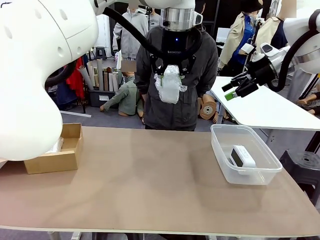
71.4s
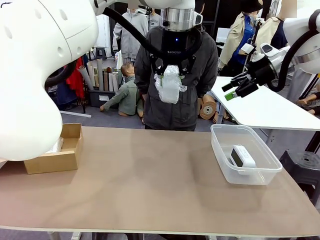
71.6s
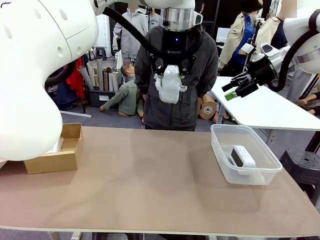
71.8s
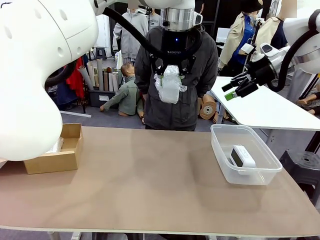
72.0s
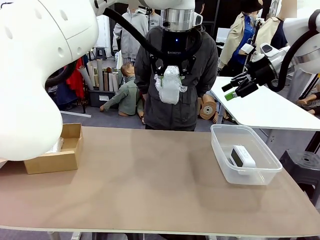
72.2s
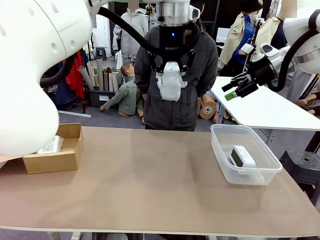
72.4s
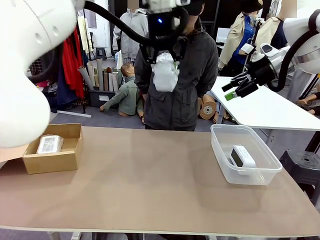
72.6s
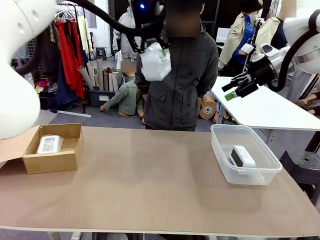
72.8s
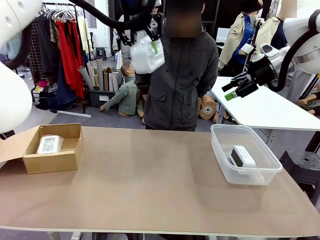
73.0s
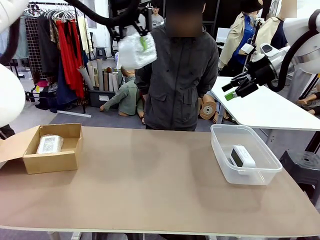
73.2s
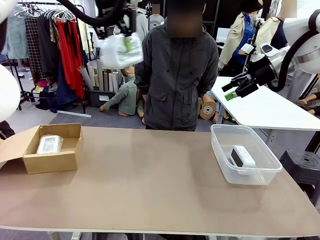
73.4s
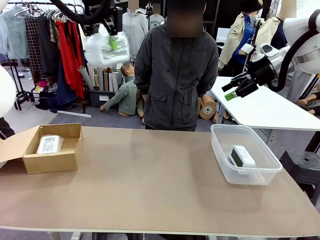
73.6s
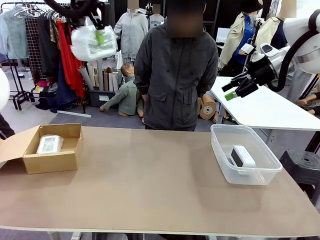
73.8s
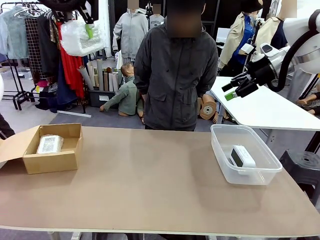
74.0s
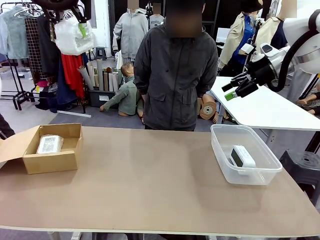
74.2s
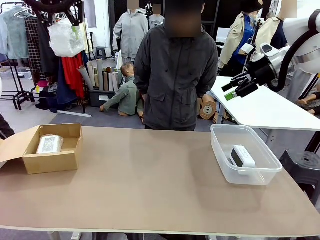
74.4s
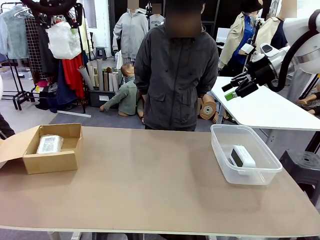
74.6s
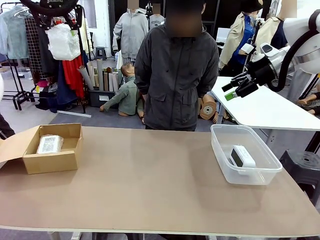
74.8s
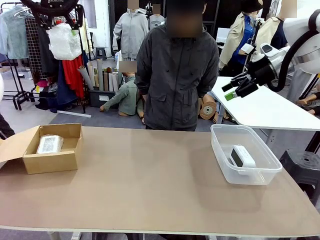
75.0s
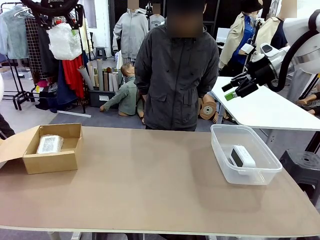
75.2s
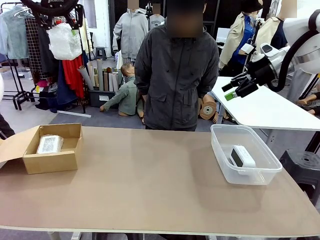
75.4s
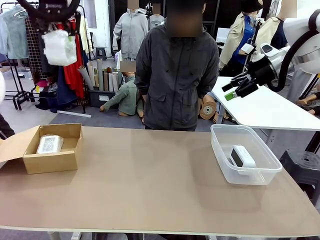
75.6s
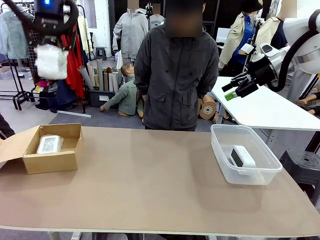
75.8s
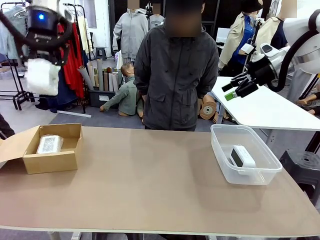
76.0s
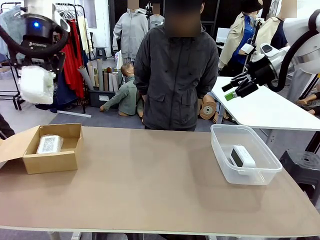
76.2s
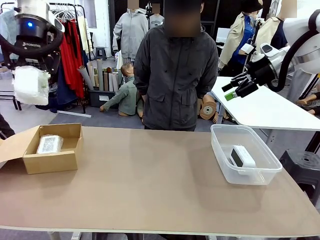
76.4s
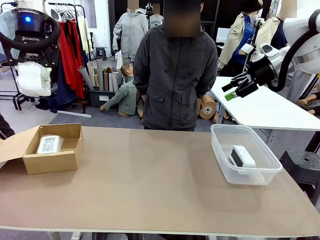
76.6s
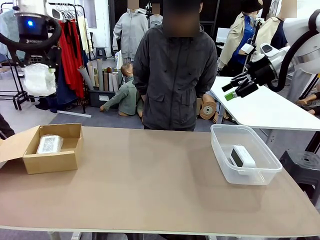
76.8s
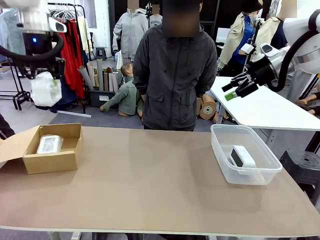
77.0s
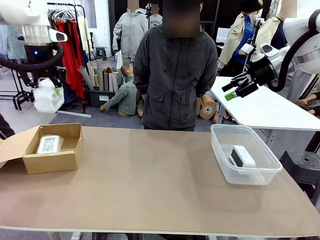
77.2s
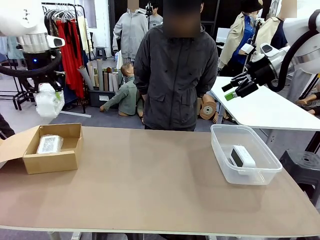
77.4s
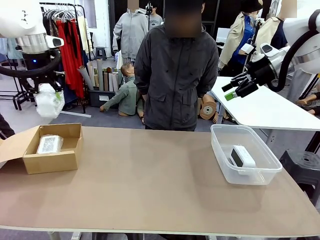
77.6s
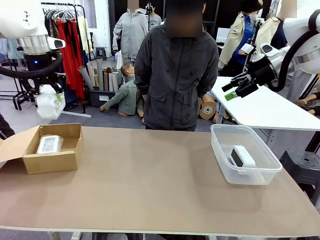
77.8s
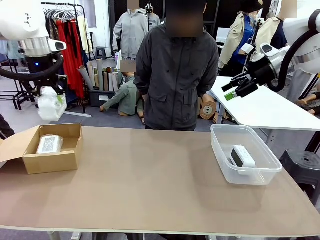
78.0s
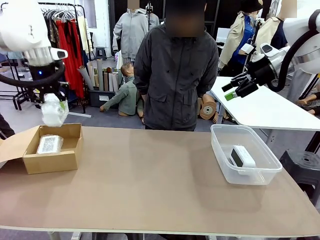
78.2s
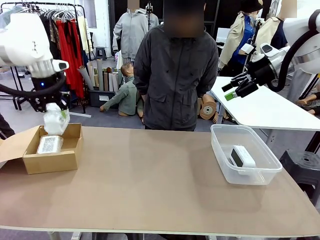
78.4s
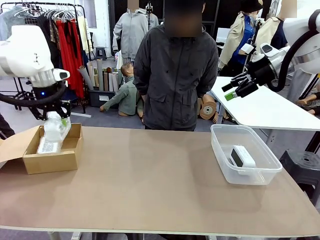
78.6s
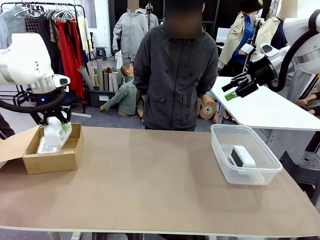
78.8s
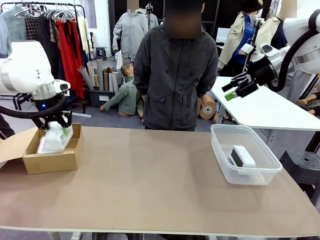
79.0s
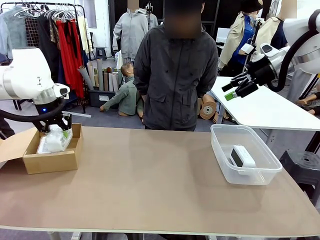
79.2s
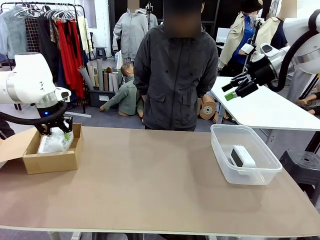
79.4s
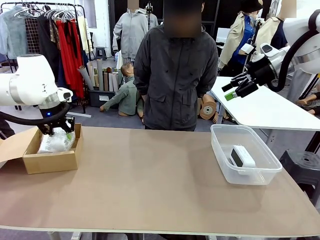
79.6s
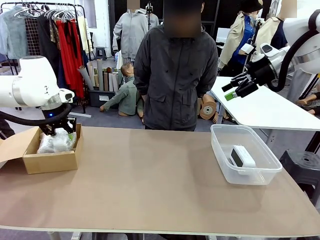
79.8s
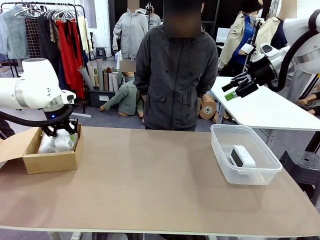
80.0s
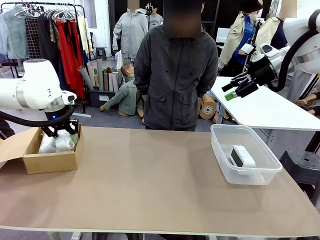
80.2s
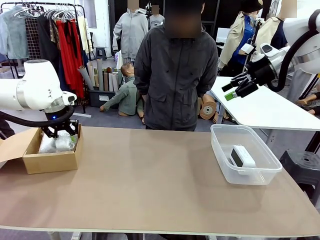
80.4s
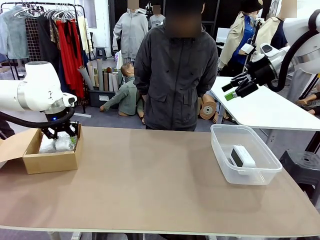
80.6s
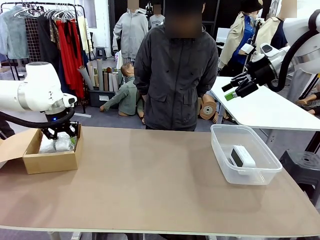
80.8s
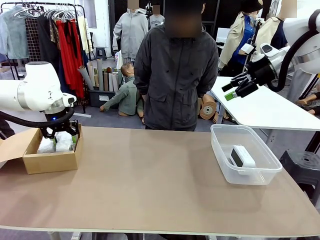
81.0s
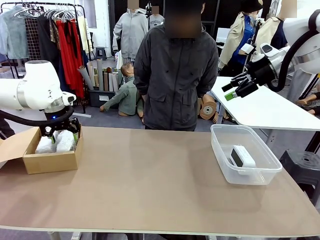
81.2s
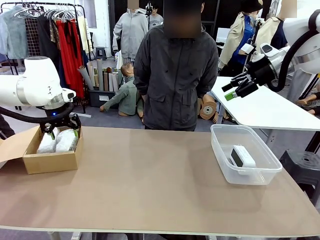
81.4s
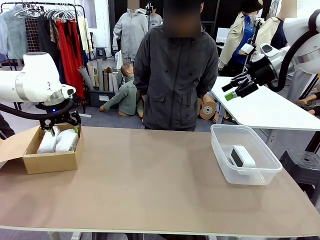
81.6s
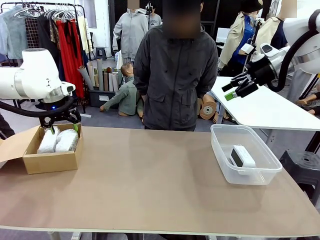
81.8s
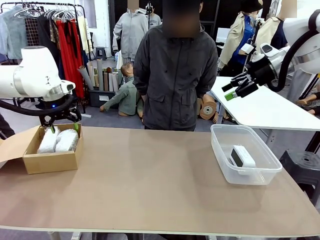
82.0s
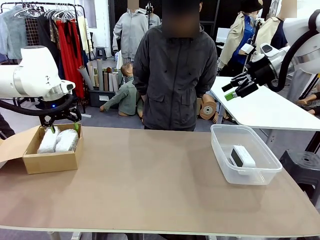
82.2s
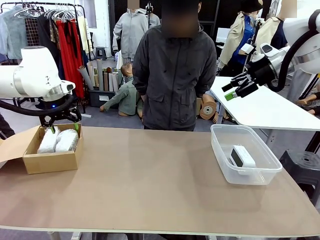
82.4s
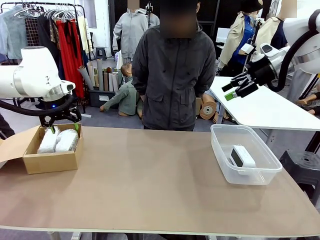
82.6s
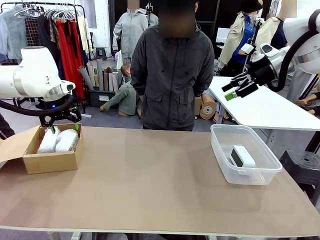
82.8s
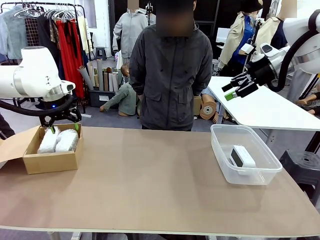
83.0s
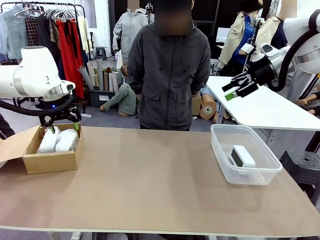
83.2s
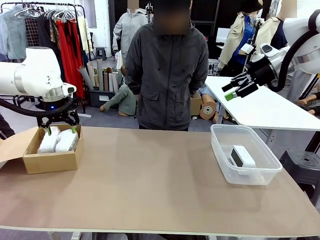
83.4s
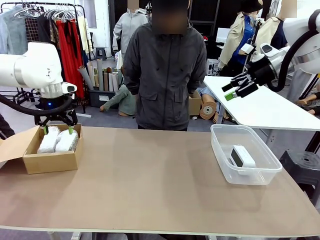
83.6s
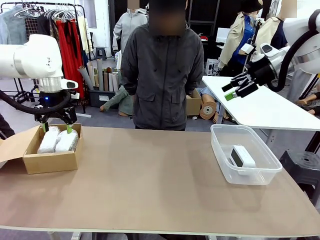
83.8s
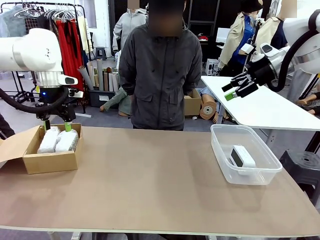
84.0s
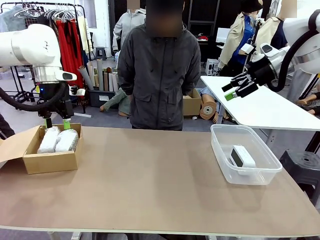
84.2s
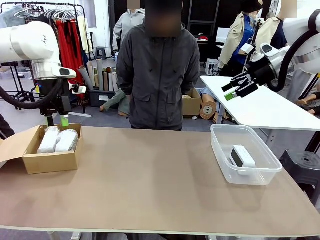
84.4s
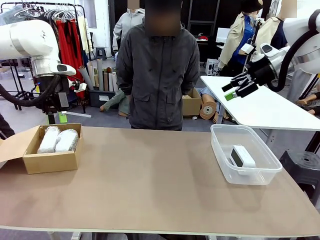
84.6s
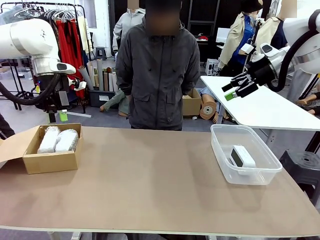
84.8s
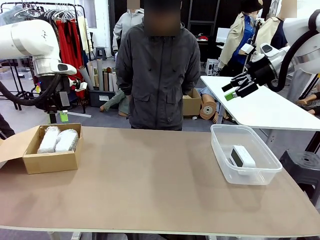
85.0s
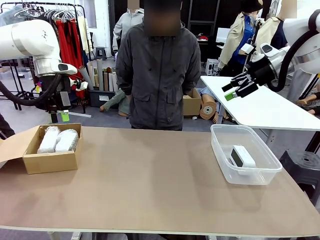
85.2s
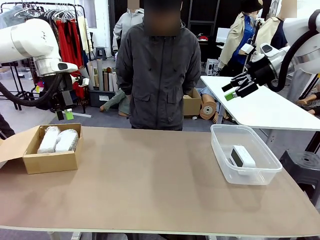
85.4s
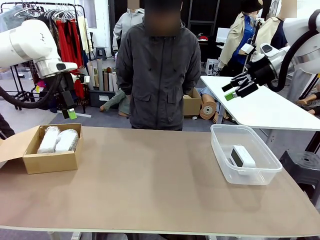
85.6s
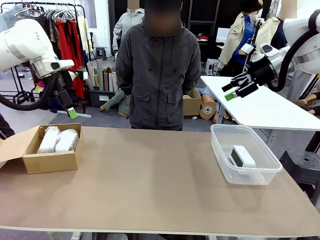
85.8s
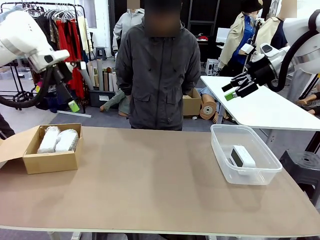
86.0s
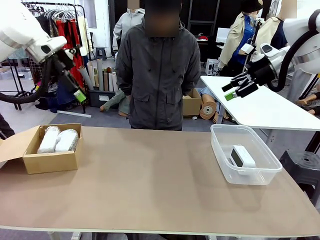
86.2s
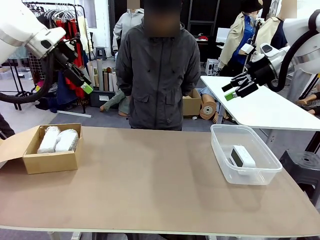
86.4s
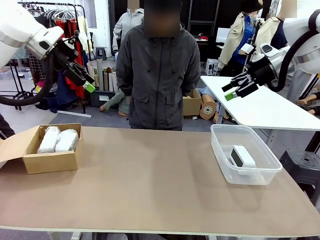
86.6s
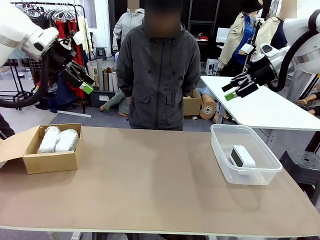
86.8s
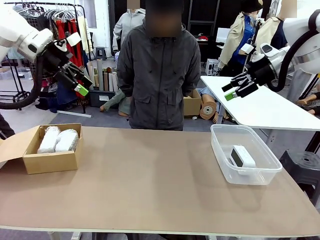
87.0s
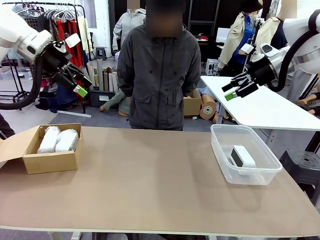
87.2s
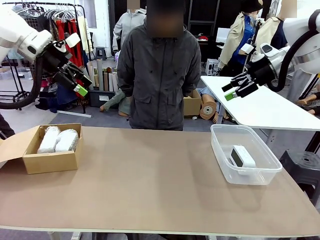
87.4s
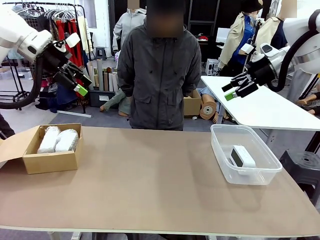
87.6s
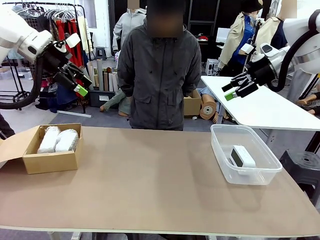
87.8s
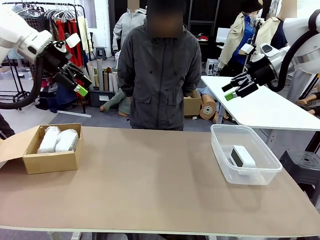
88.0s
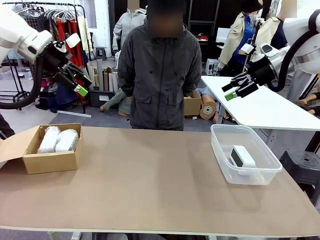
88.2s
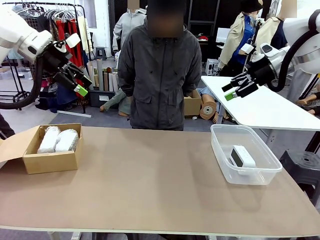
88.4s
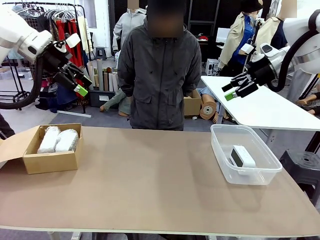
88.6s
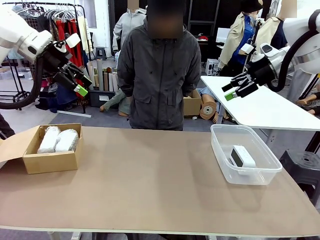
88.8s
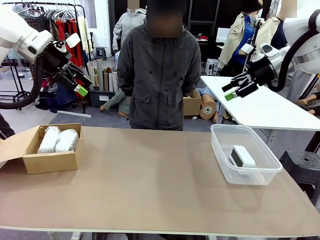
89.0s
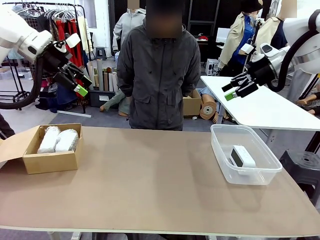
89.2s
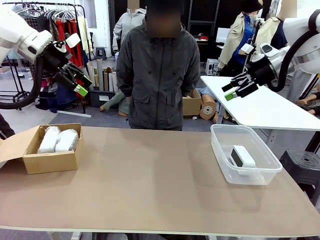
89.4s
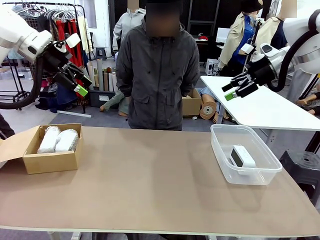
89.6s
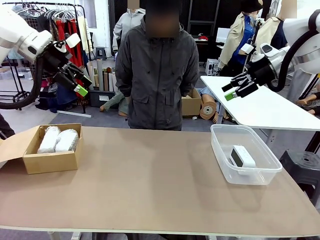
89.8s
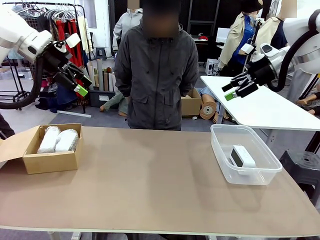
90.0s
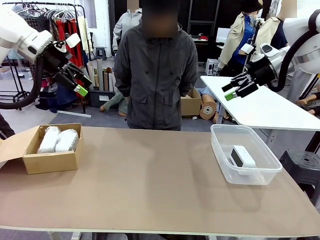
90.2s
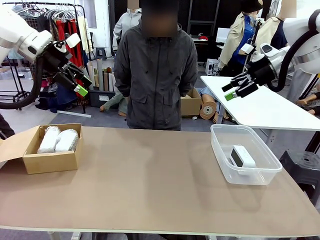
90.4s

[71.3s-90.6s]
Task: Separate and place wrapped and unwrapped clocks.
Robot: If the picked Digital clock is wrapped, place it in the Package Box ; if not, place it in the Organizing box.
